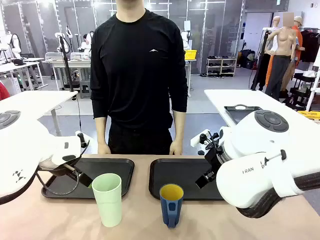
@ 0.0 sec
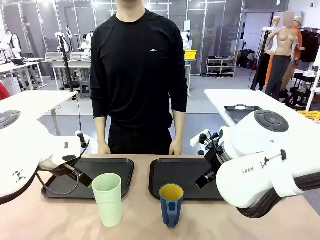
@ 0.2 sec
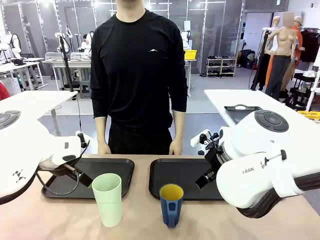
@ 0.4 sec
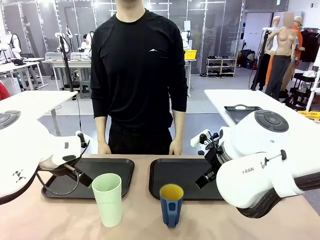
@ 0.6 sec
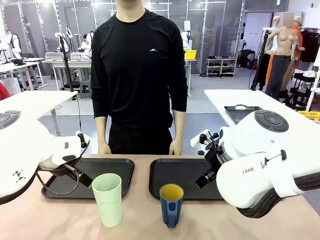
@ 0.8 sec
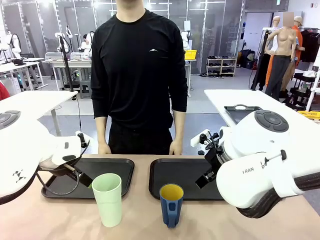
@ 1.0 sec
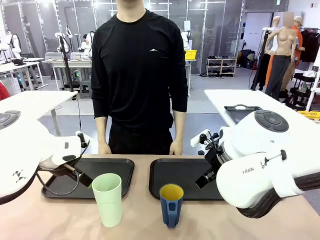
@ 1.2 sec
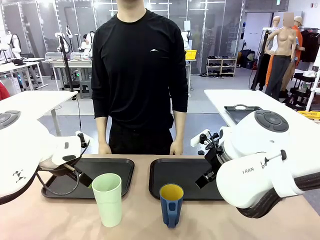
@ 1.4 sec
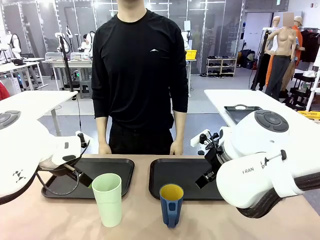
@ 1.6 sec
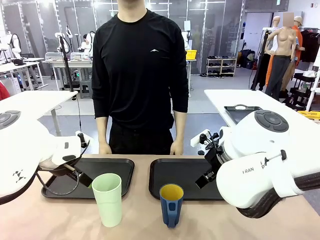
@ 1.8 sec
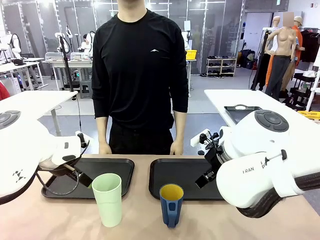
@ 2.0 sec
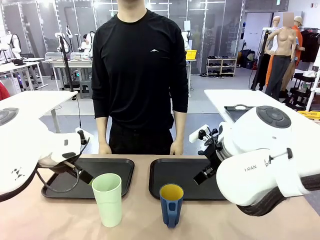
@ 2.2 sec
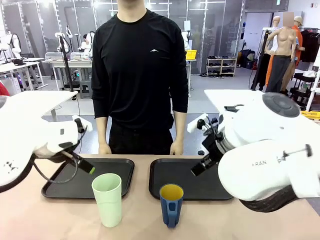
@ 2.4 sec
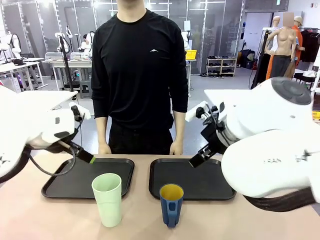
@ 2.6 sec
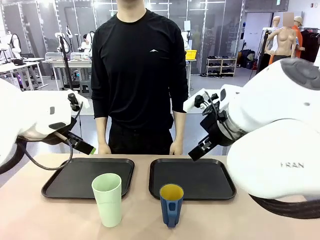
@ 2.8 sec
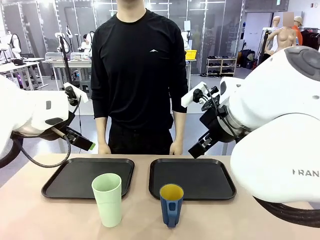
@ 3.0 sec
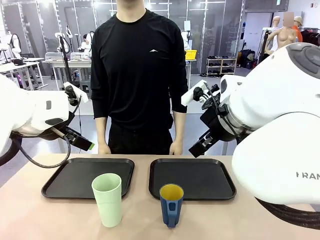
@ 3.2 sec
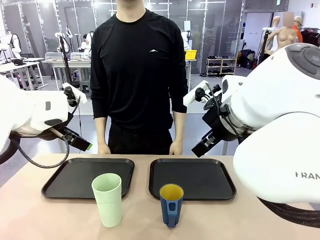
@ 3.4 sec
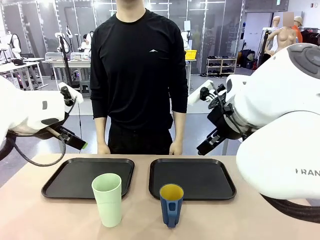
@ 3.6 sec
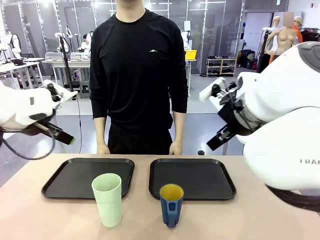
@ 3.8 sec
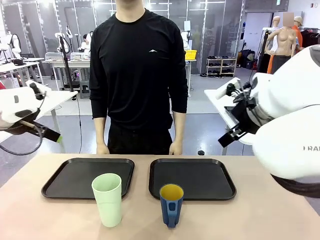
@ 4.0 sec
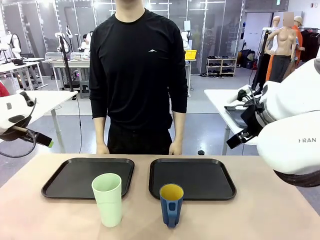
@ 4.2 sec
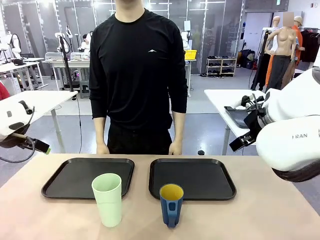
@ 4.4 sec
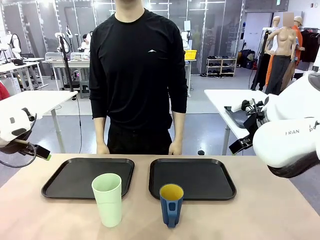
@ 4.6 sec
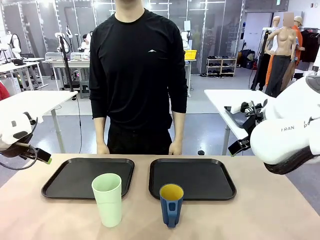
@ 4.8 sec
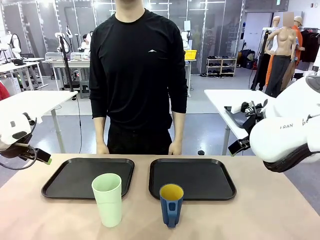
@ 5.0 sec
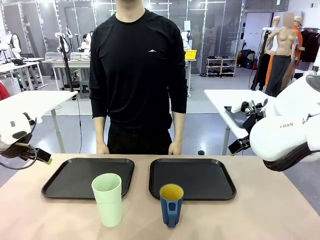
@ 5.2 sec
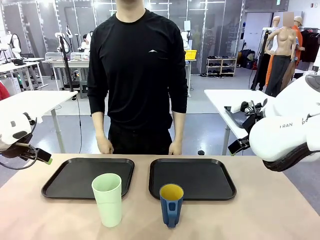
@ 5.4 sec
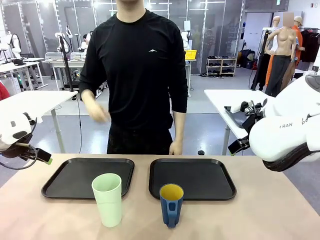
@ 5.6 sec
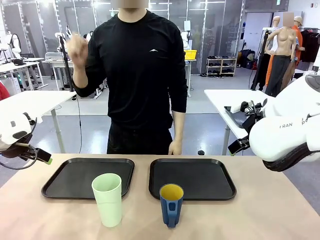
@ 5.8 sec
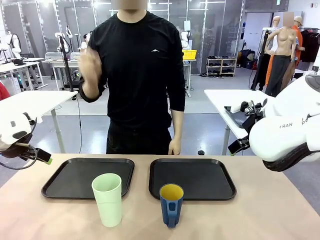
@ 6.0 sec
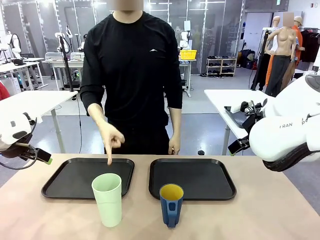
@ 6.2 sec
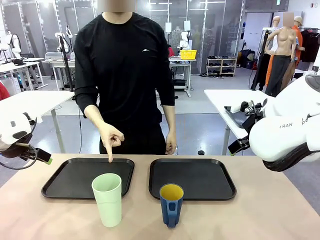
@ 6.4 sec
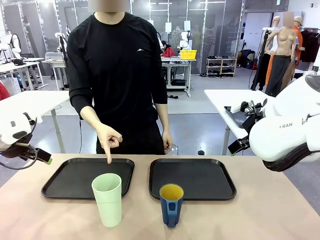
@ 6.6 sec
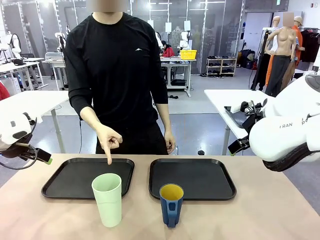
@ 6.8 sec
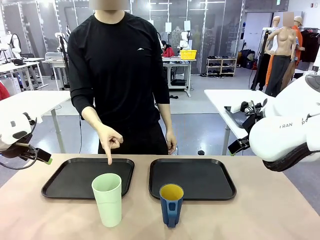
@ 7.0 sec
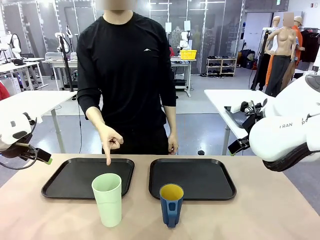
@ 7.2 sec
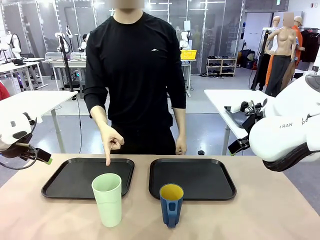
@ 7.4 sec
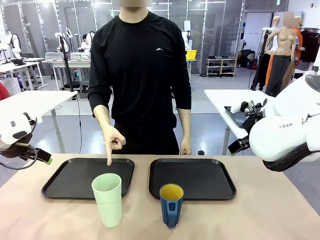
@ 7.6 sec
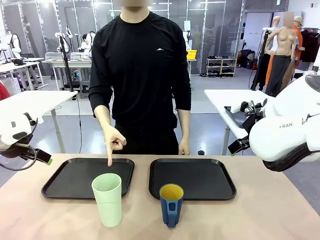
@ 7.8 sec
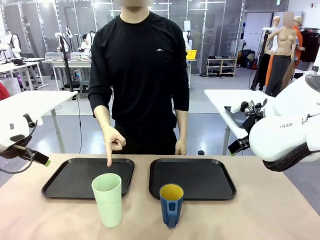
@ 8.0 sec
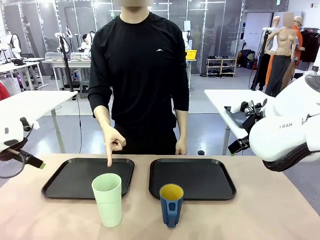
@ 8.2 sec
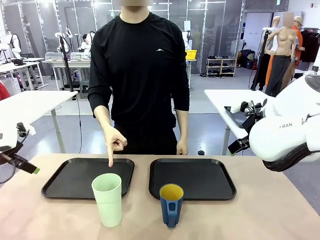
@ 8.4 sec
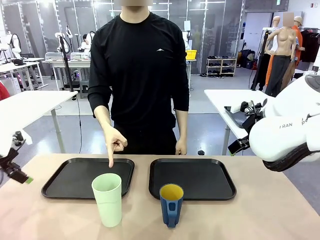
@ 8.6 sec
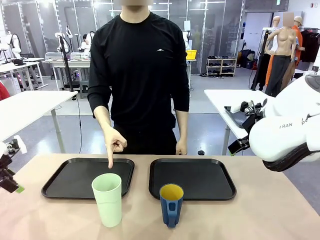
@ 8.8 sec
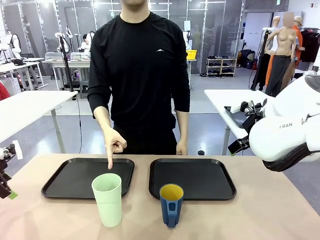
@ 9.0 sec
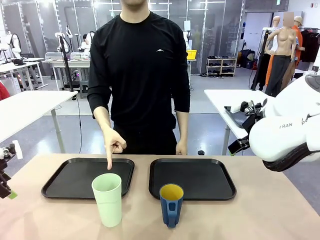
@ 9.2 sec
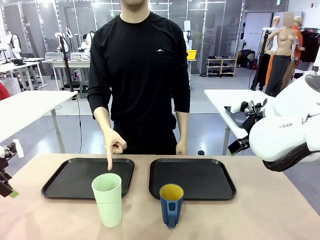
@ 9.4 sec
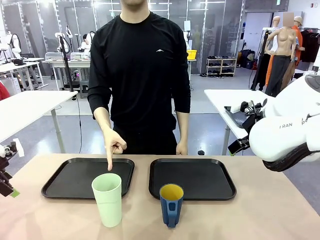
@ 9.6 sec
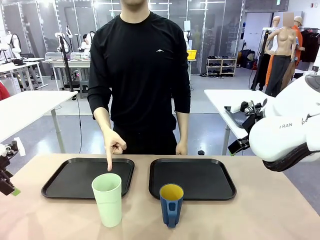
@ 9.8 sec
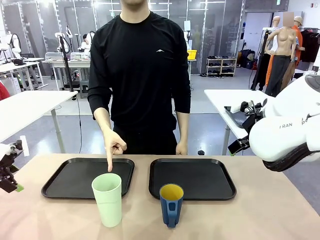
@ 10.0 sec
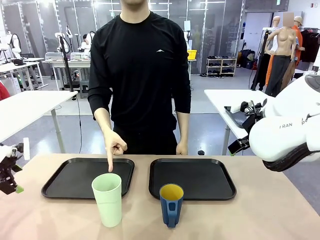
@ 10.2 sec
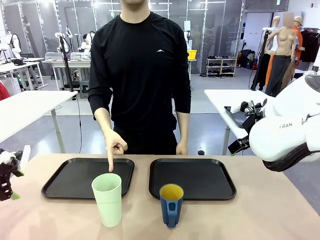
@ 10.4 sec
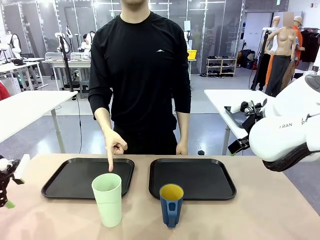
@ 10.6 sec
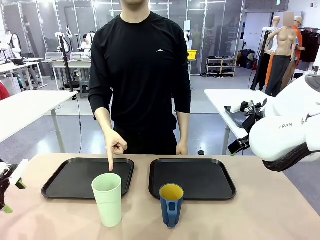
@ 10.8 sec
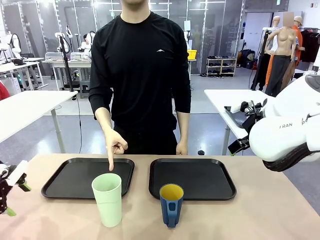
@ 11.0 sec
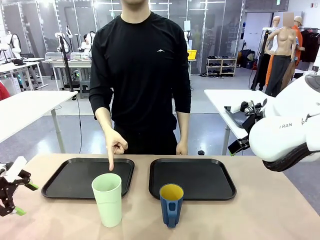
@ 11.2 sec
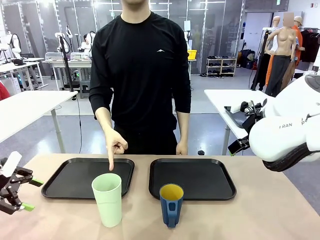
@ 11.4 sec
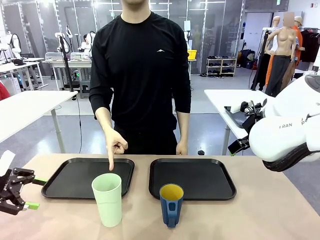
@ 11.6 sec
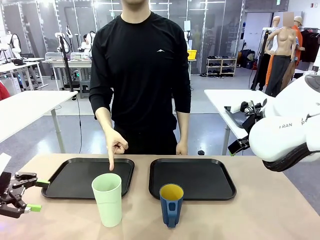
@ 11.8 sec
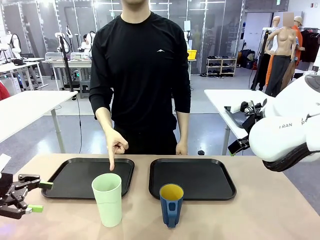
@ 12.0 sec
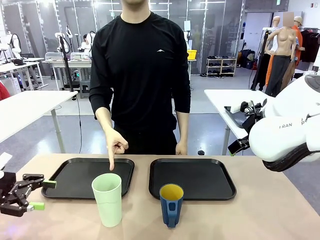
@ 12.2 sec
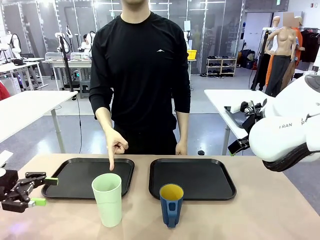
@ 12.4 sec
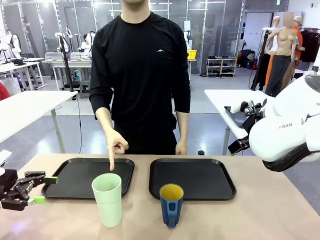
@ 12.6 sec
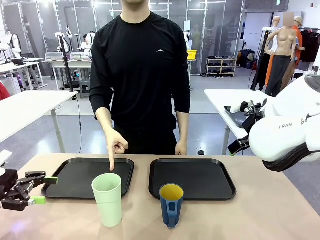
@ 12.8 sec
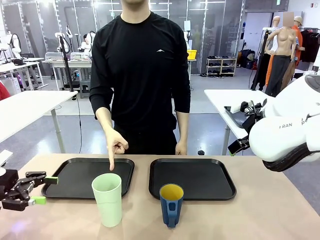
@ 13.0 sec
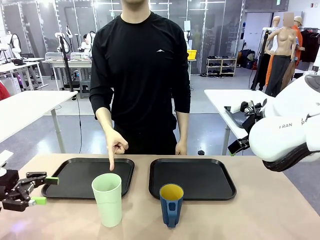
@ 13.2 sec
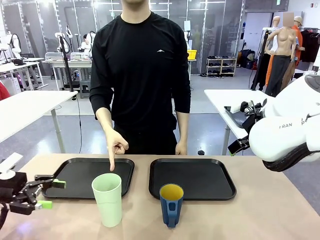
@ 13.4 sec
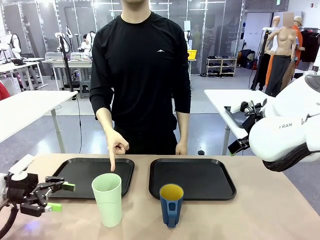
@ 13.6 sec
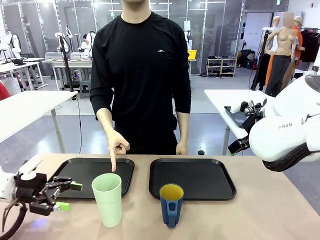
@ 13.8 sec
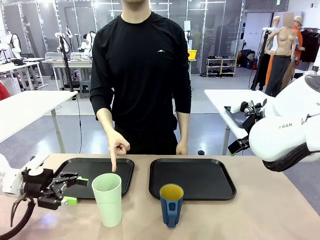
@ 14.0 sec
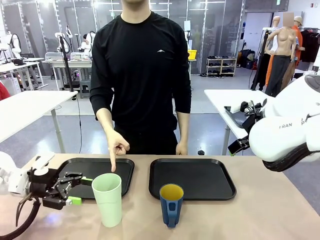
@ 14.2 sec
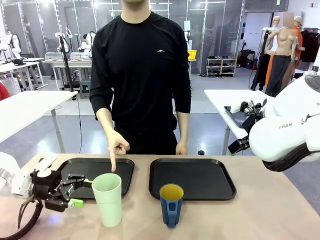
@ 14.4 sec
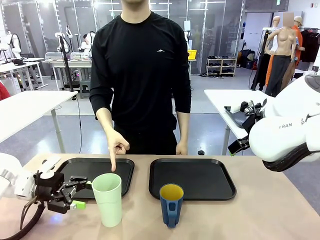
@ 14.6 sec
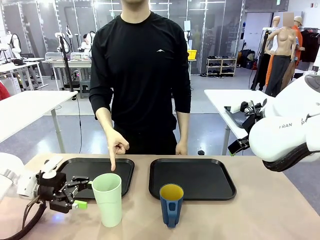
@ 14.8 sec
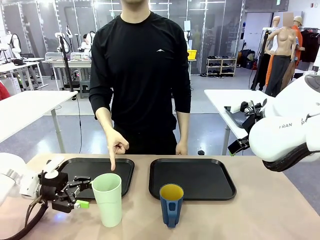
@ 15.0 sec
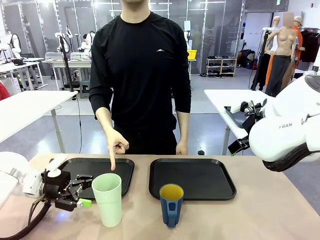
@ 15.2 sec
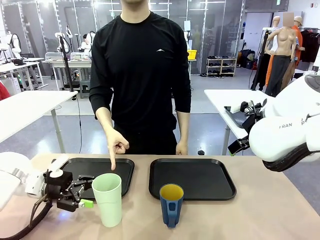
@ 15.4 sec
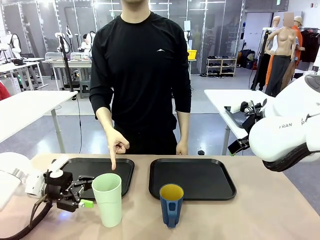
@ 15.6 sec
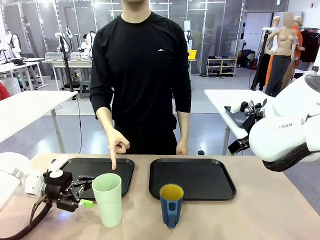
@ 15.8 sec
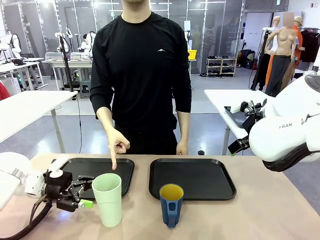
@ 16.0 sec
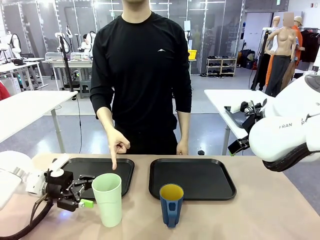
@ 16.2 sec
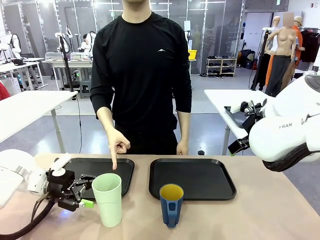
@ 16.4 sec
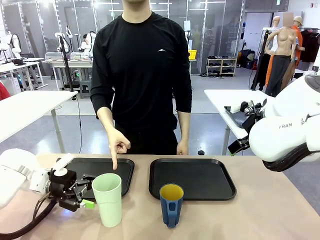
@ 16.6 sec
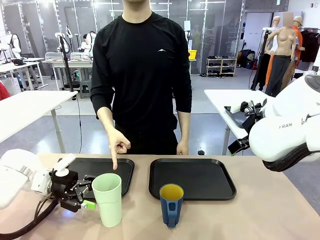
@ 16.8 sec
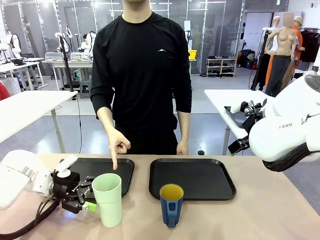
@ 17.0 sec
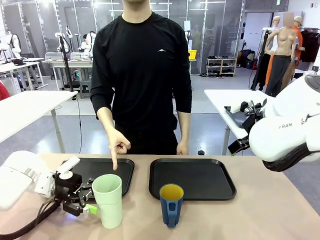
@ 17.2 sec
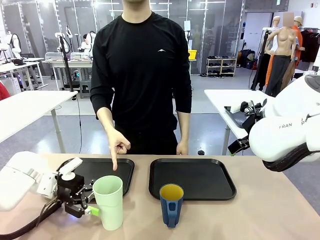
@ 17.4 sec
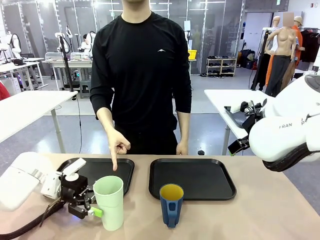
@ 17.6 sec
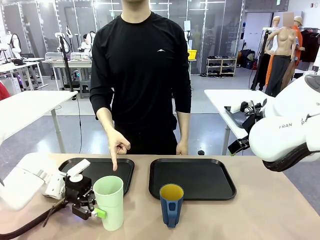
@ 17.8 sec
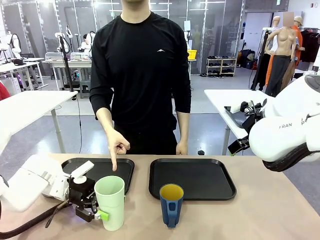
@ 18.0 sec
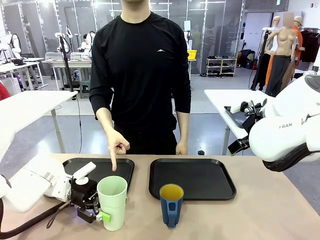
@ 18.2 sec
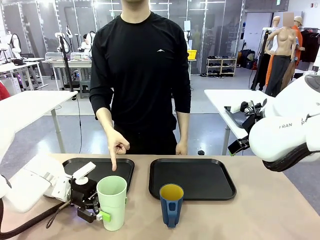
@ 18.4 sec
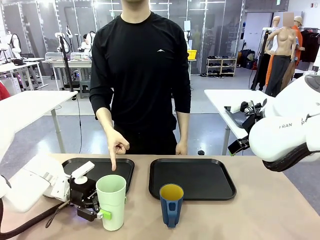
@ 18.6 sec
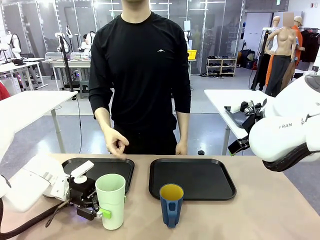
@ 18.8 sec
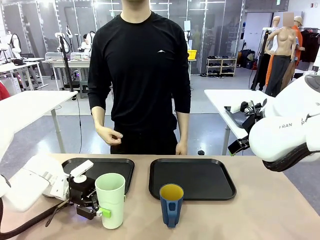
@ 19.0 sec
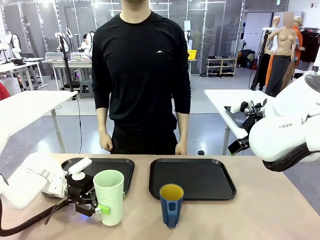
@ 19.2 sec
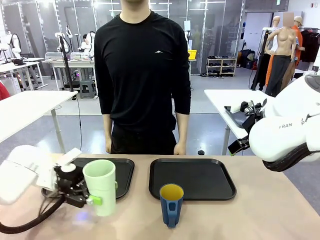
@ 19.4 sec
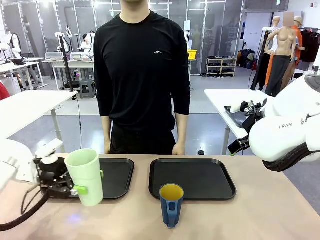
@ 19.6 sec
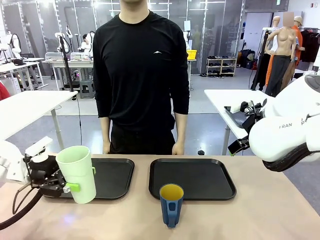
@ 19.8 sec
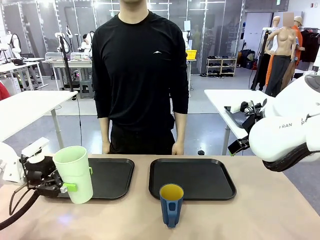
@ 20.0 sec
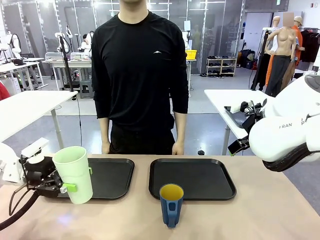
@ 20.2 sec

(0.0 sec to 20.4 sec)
Task: Sort and store the cups by type.
Robot: Pick up the Reusable plastic cup.
Person: Points to the reusable cup. Point to one of the two trays.
